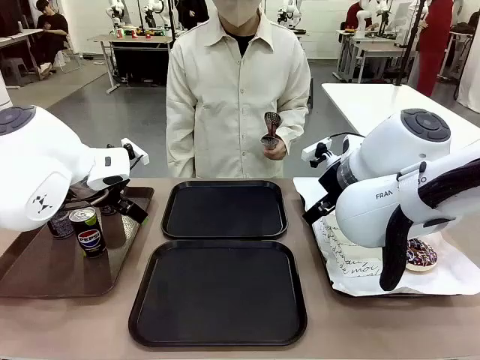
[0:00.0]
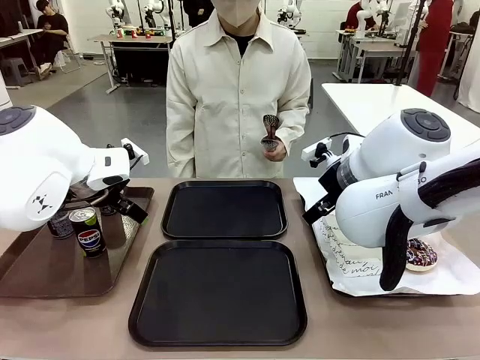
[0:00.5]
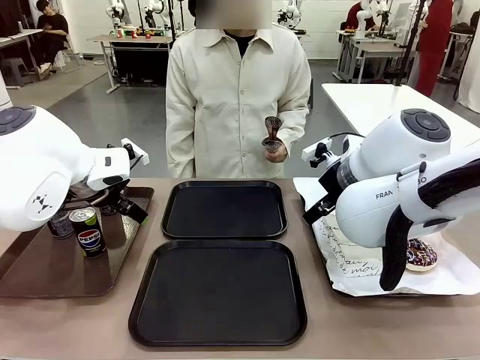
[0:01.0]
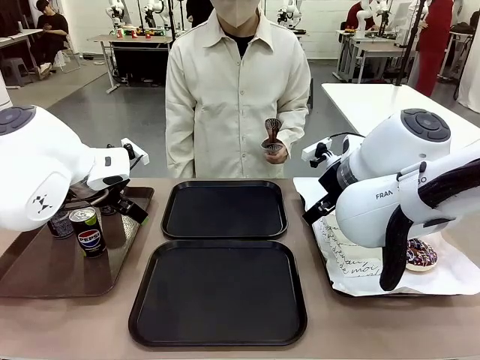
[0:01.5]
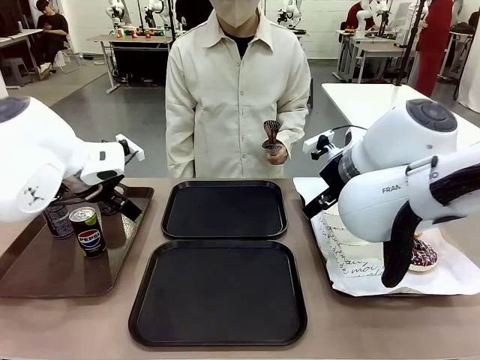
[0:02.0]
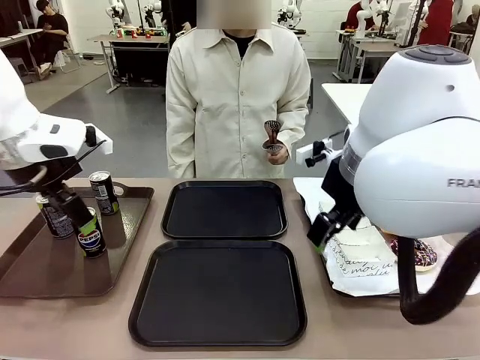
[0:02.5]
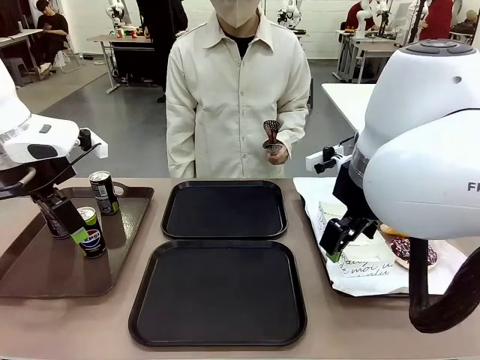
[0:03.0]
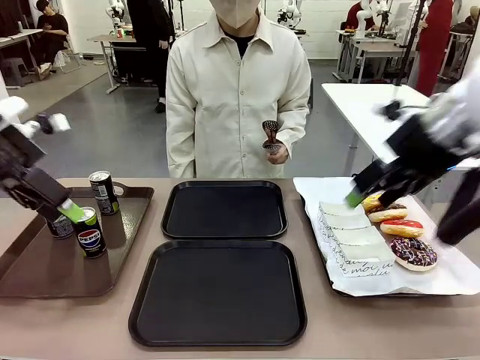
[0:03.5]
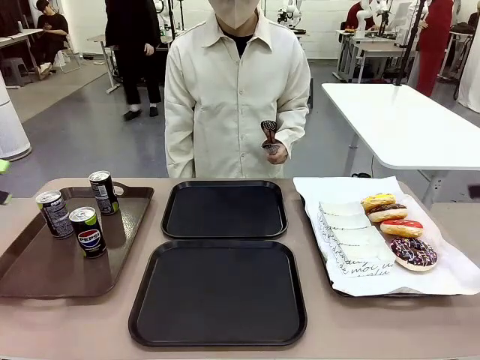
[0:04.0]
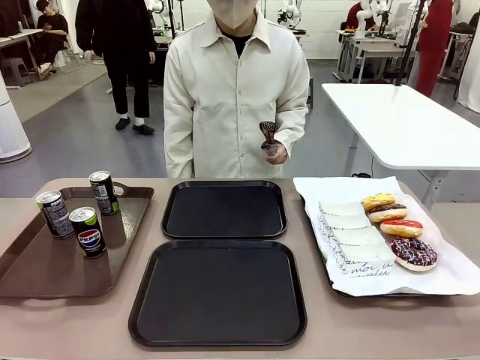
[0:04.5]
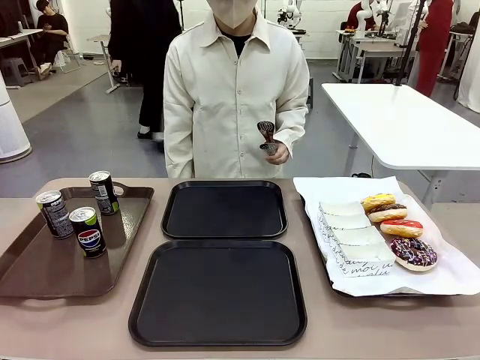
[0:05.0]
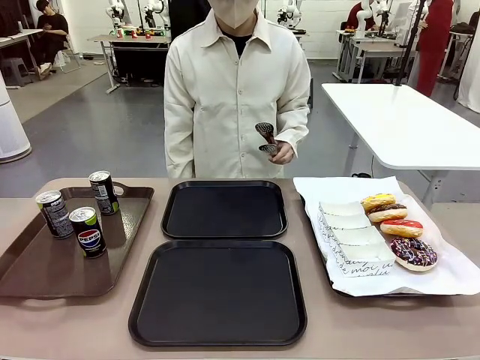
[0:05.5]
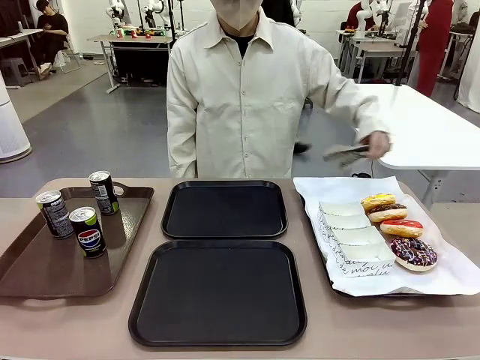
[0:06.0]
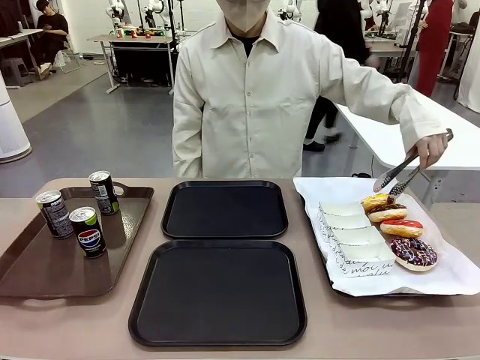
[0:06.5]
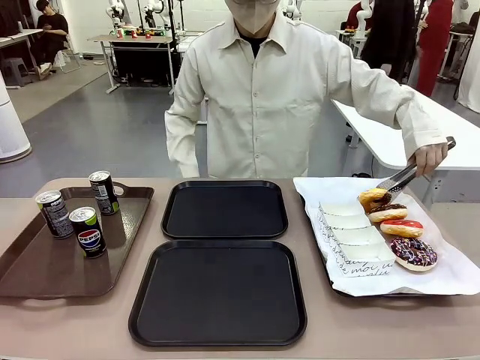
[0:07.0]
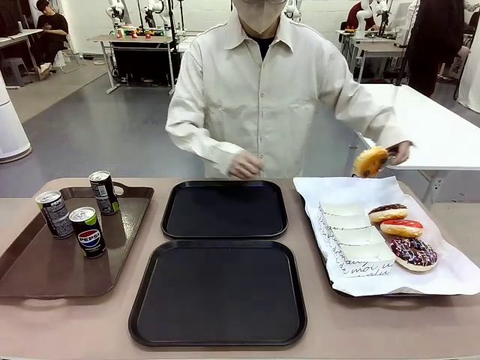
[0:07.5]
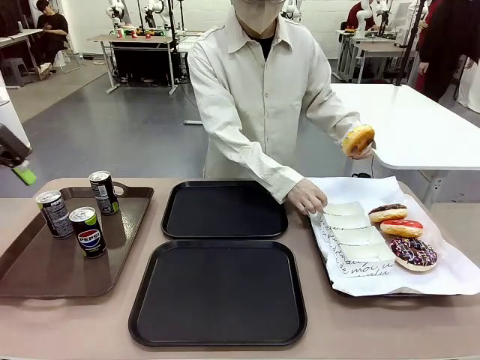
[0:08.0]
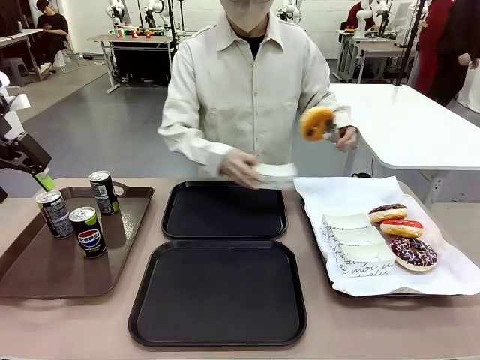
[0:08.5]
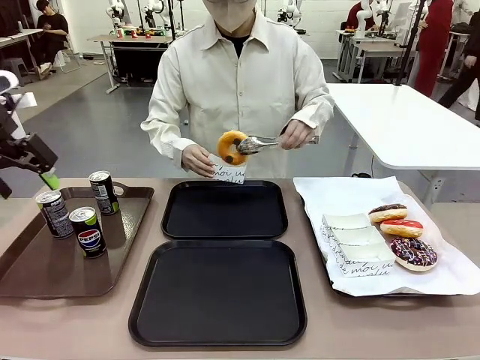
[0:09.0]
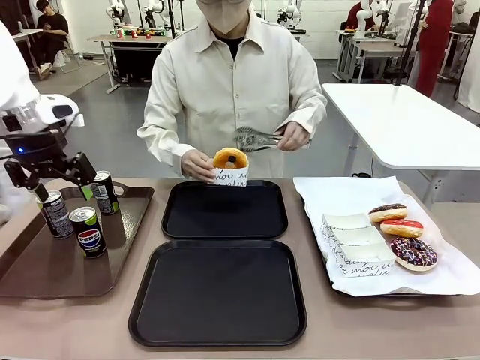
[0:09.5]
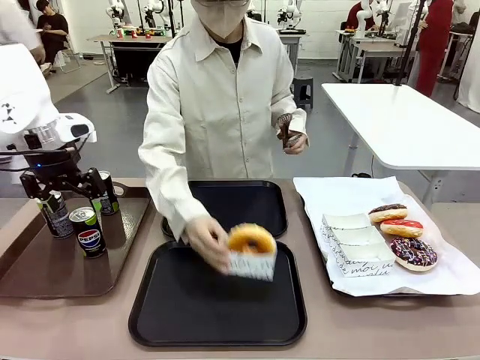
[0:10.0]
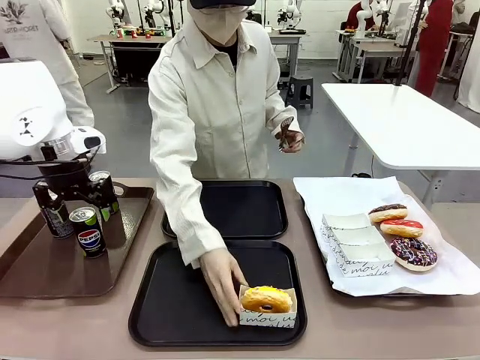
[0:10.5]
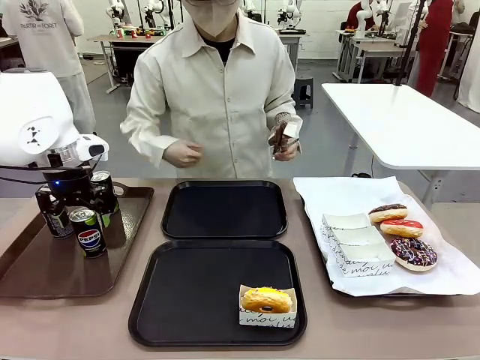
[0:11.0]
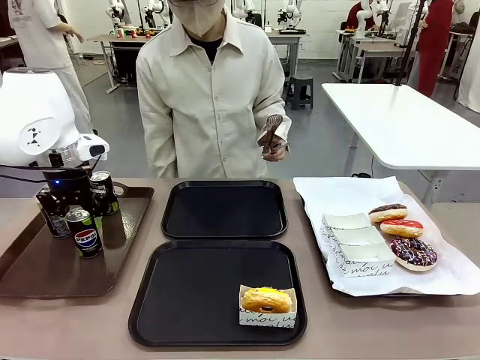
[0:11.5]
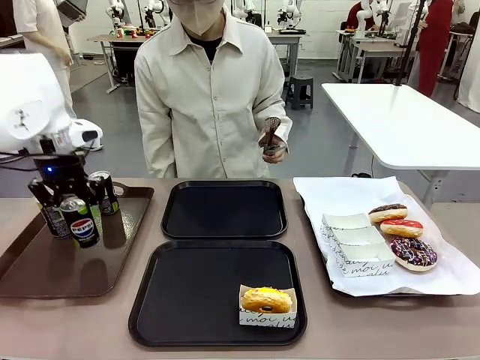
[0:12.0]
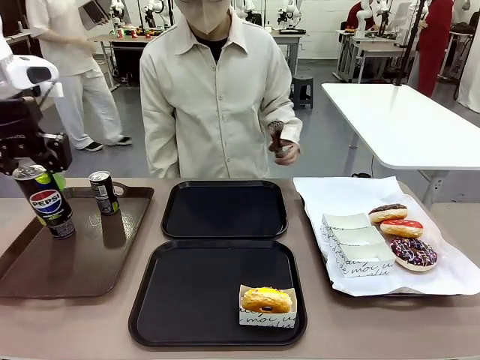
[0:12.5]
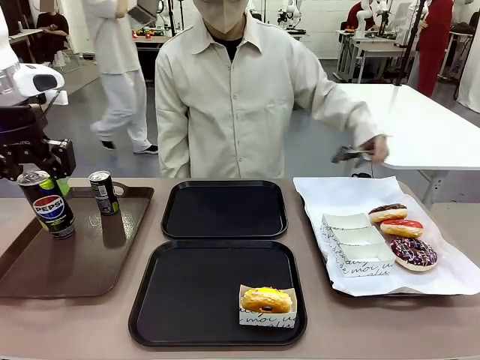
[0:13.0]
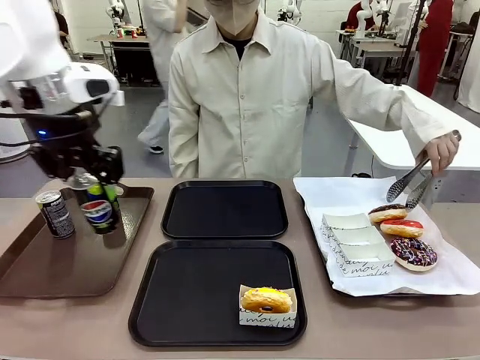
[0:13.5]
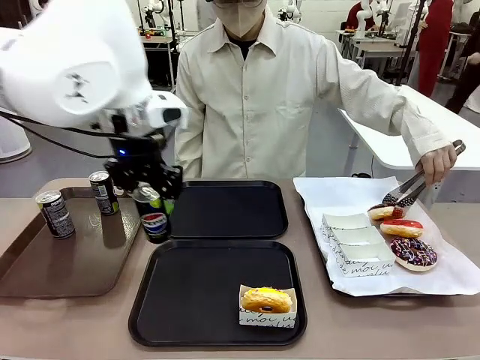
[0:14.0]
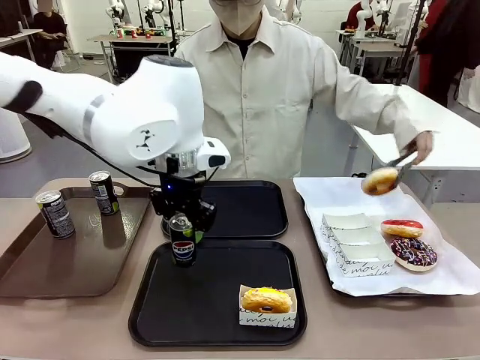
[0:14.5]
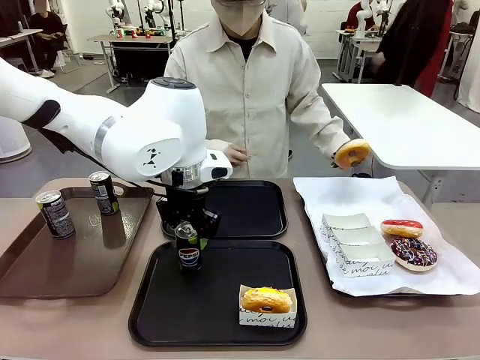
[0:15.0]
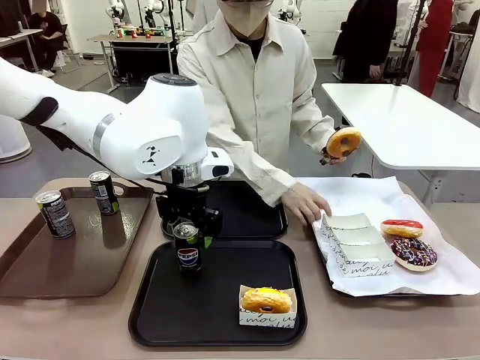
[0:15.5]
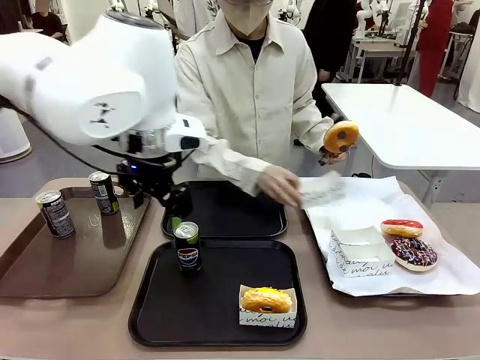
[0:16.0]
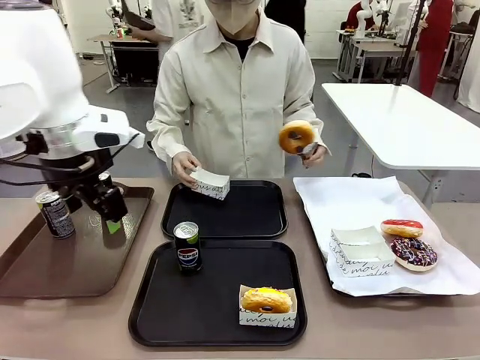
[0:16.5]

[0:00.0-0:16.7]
Task: Set up donuts and drinks on trays.
Robot: Pick up one Pepsi coke and place it on the Flat Tray.

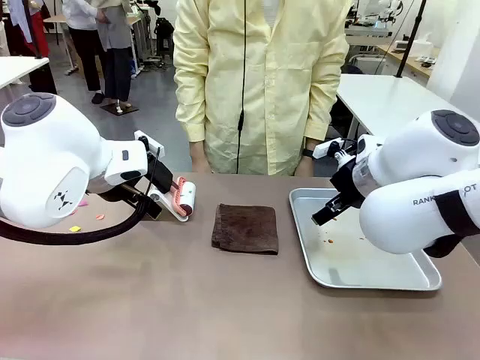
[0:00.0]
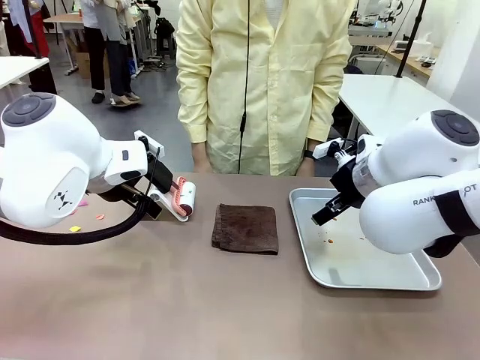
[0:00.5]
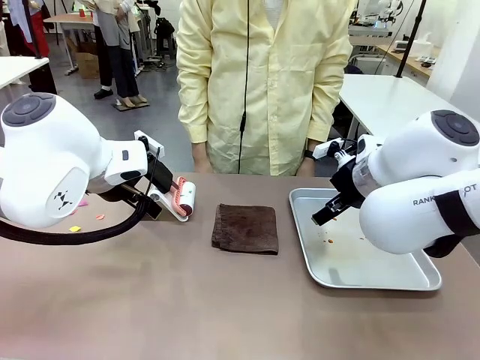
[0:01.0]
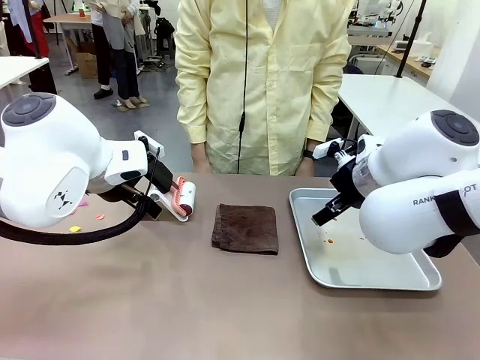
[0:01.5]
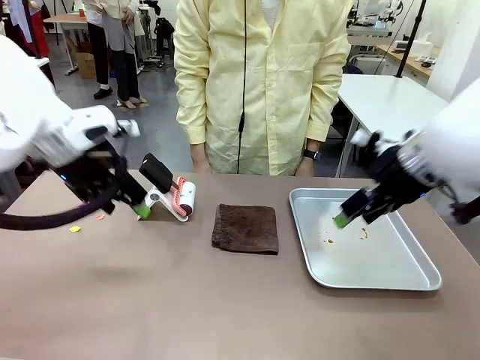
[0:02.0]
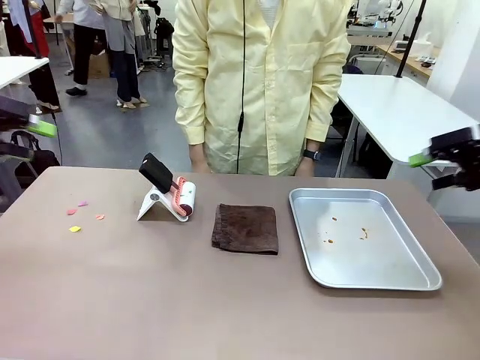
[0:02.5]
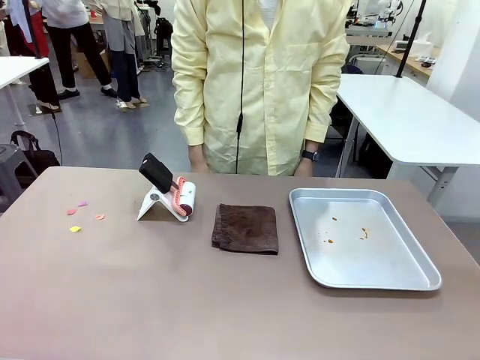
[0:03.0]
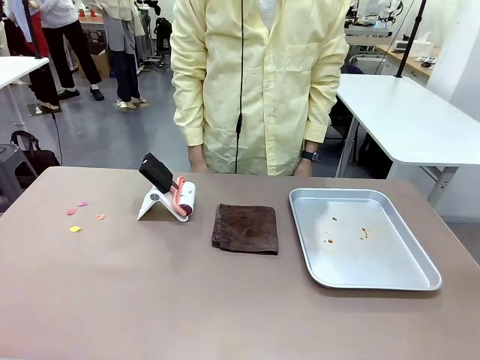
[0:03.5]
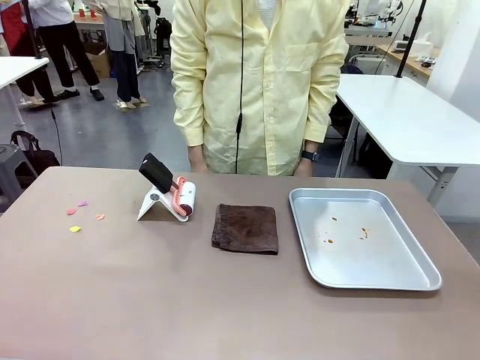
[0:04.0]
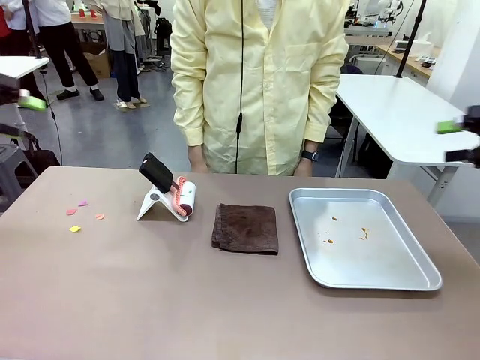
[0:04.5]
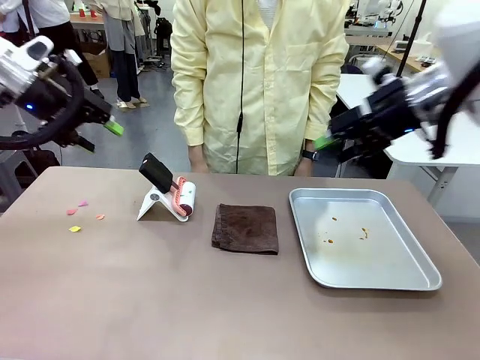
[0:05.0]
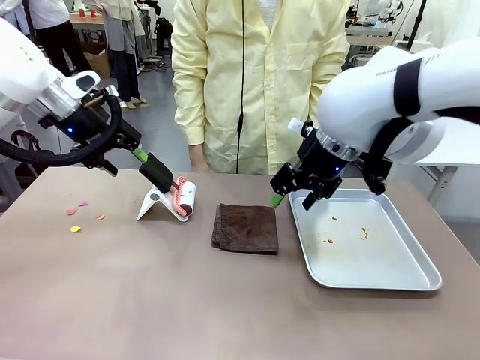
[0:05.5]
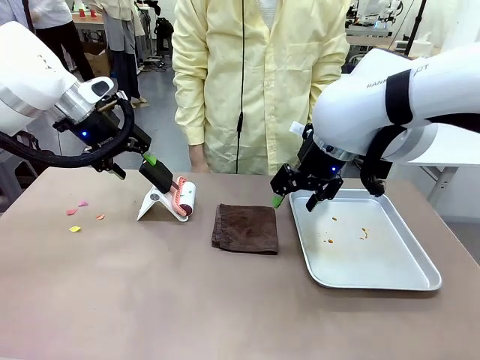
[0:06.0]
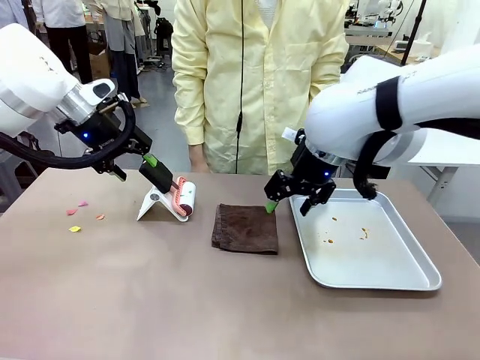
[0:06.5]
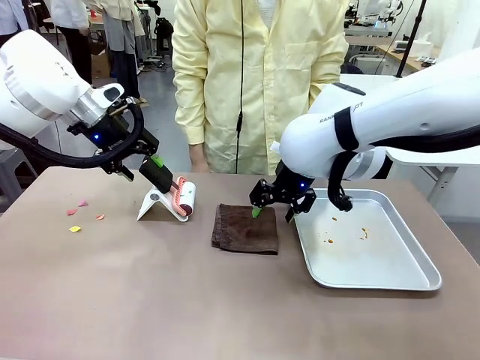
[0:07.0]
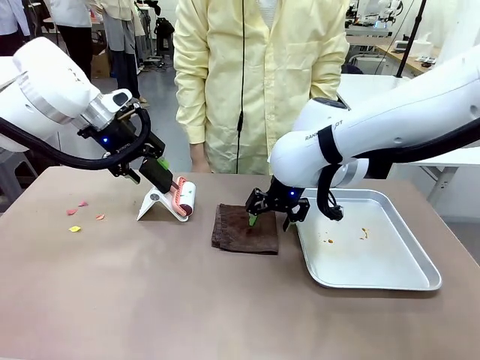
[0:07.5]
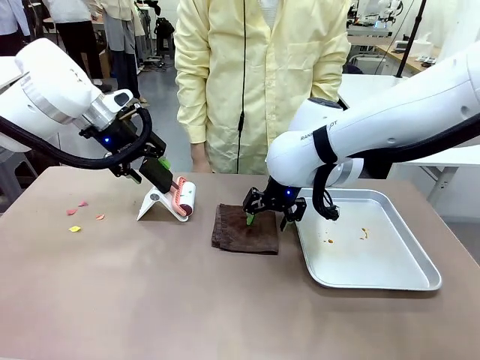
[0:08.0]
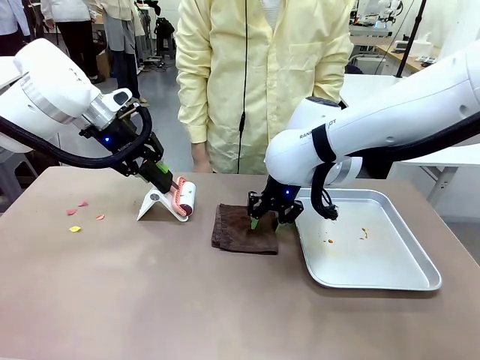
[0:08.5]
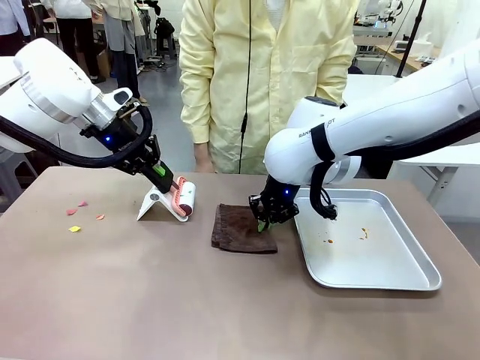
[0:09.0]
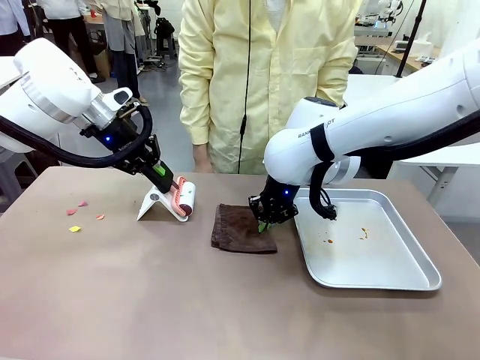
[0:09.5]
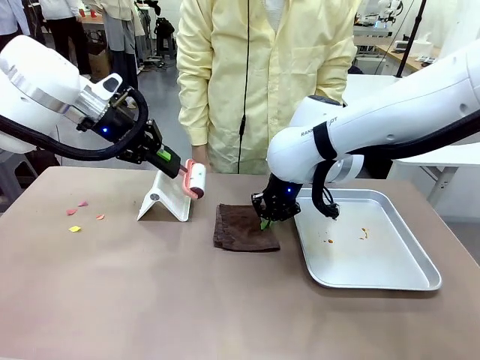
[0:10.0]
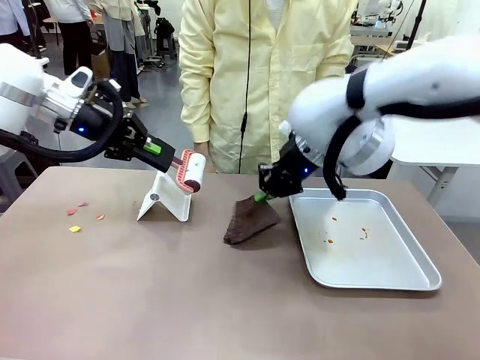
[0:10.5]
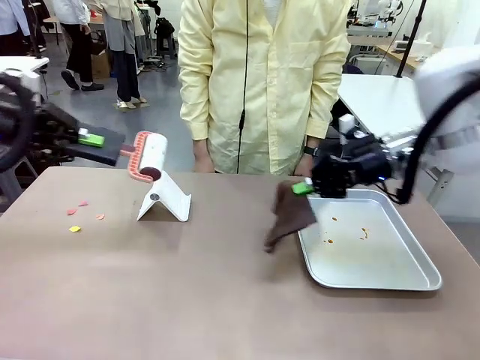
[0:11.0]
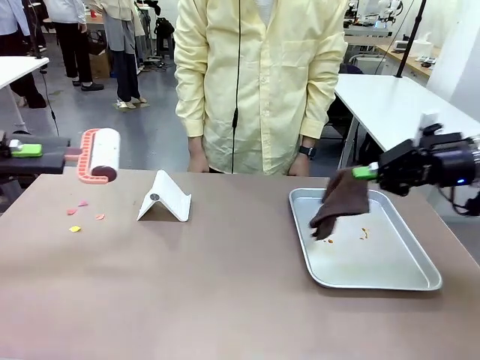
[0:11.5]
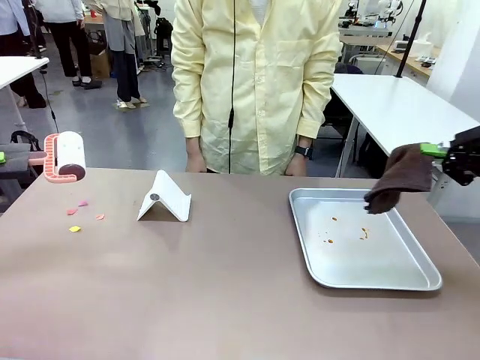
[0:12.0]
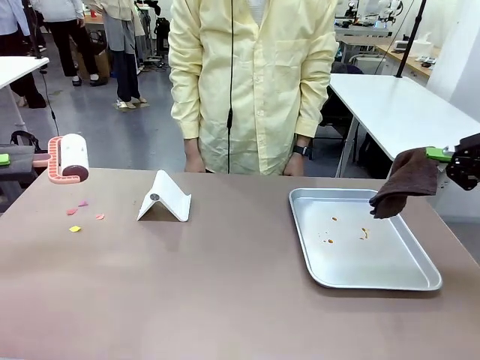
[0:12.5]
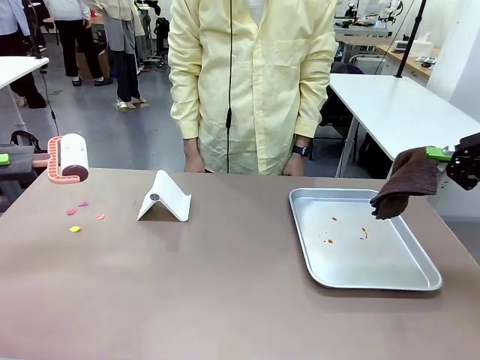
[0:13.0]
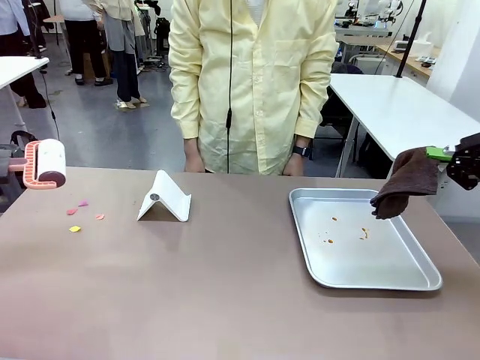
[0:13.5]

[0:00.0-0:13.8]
Task: Clean the surface of the table.
Robot: Hold the Lint Roller with your left hand and the towel with your right hand.
